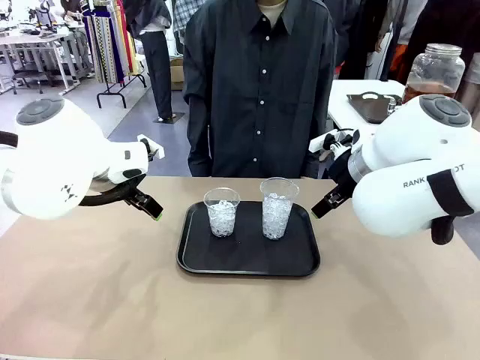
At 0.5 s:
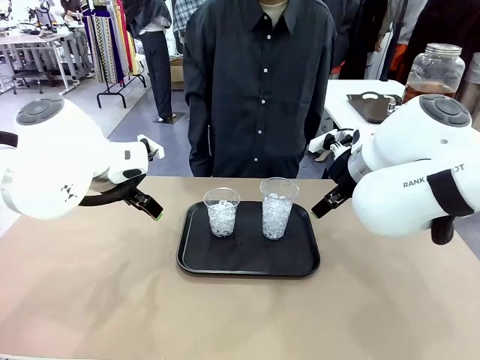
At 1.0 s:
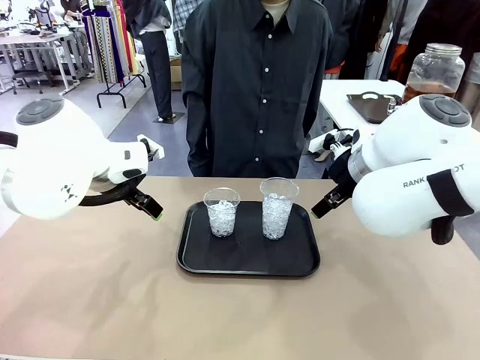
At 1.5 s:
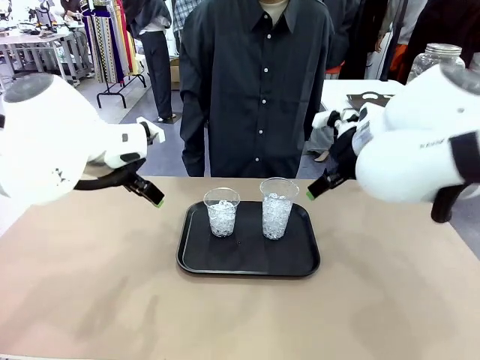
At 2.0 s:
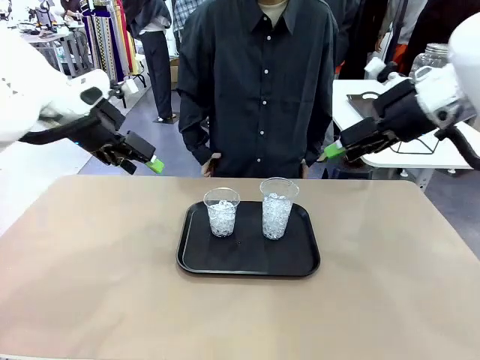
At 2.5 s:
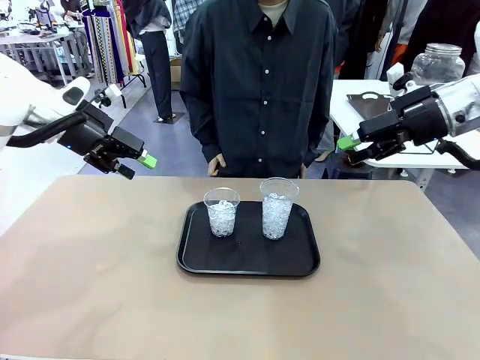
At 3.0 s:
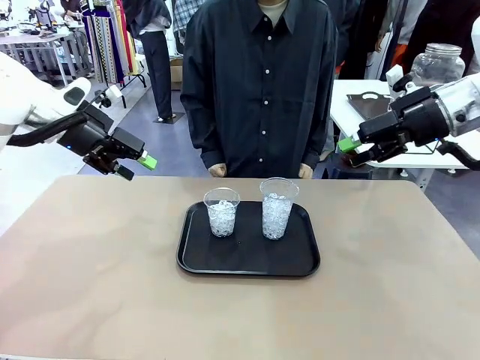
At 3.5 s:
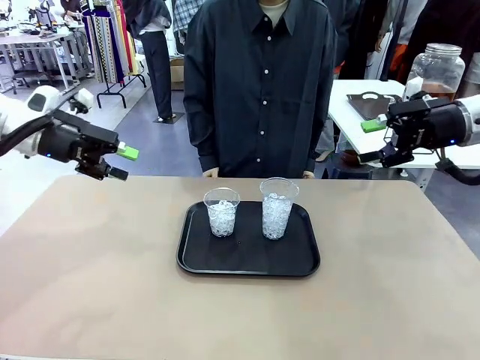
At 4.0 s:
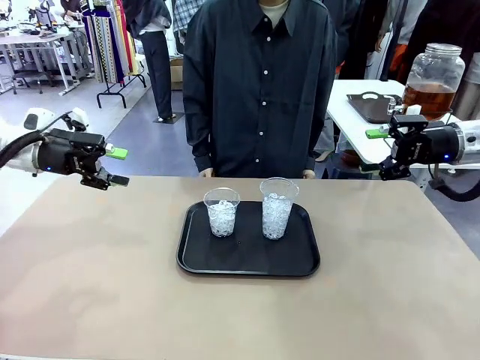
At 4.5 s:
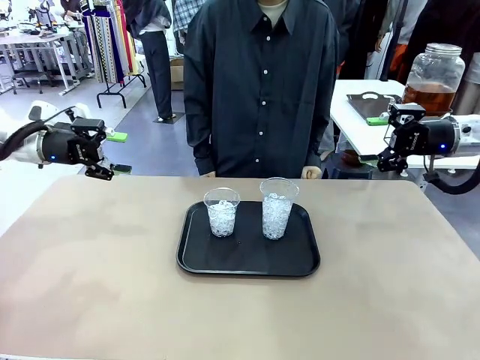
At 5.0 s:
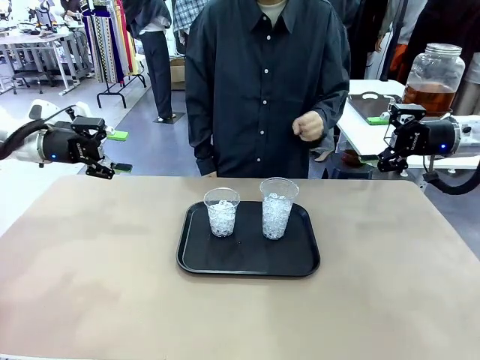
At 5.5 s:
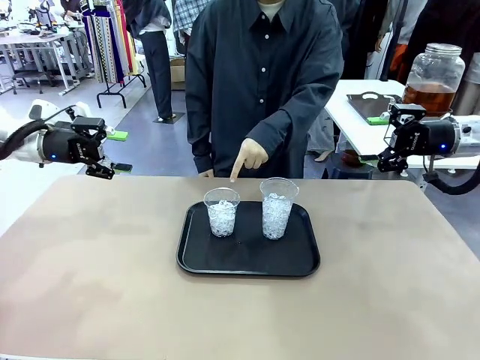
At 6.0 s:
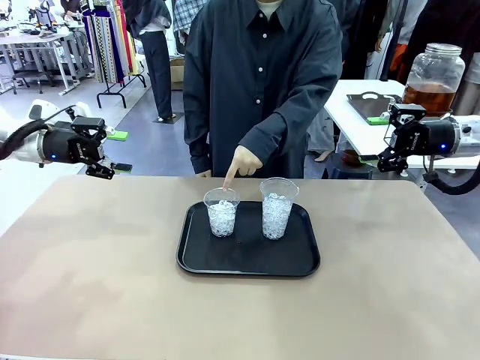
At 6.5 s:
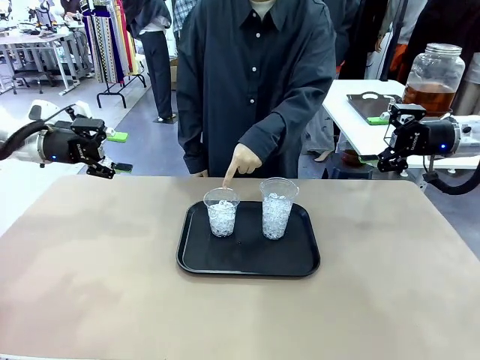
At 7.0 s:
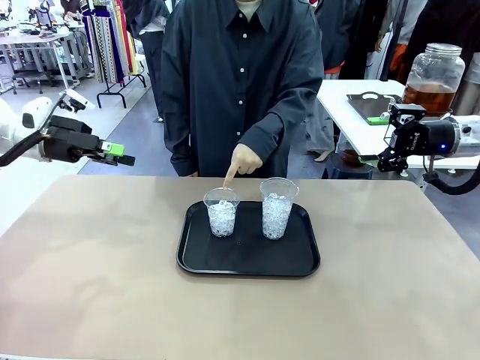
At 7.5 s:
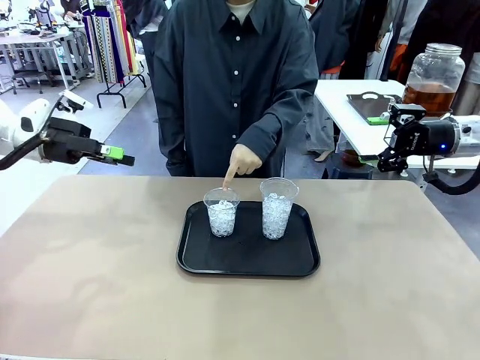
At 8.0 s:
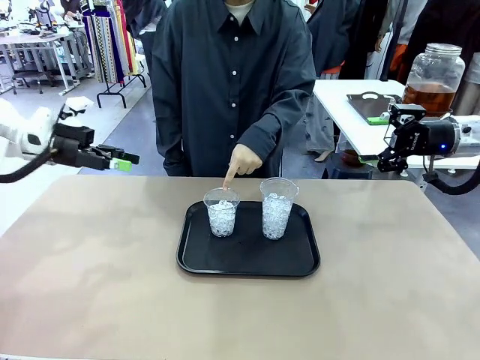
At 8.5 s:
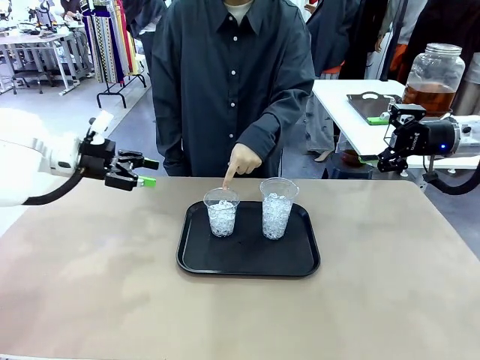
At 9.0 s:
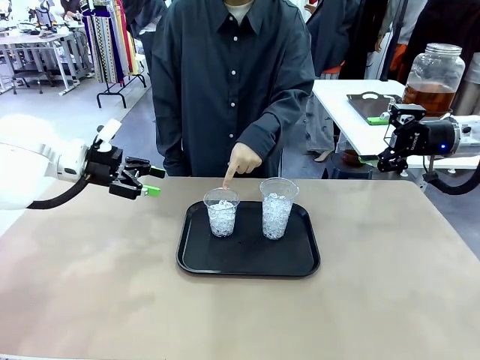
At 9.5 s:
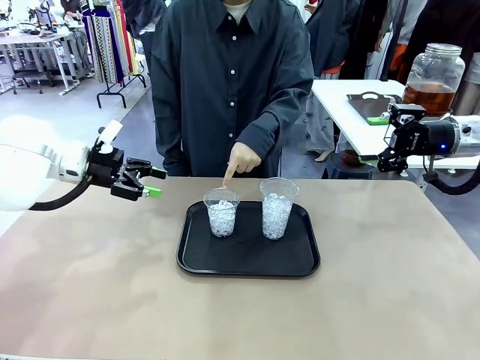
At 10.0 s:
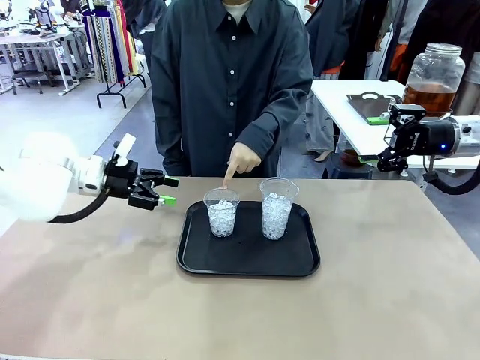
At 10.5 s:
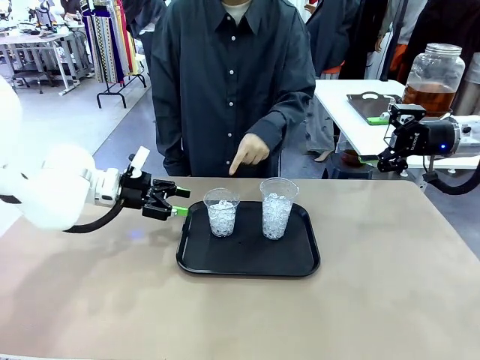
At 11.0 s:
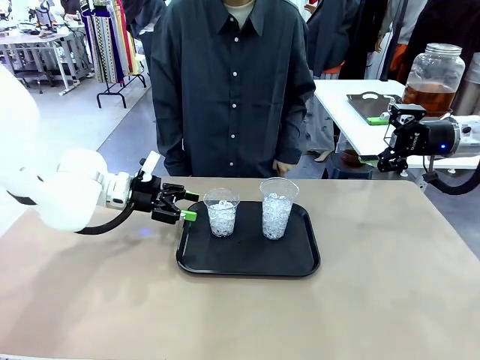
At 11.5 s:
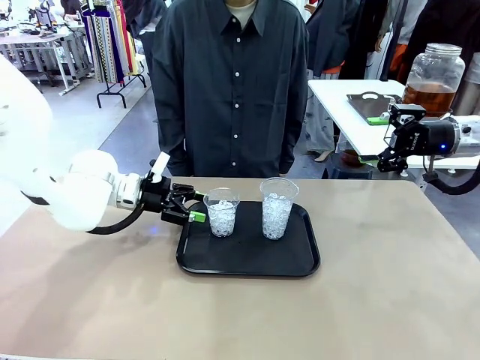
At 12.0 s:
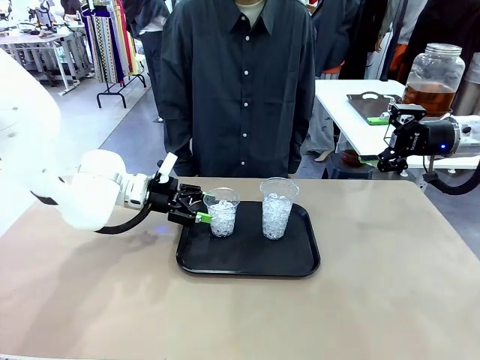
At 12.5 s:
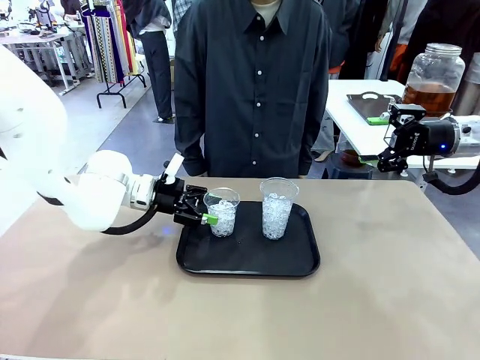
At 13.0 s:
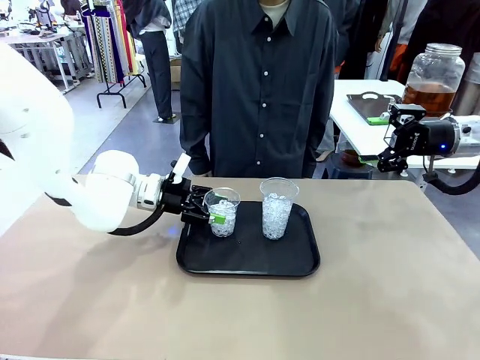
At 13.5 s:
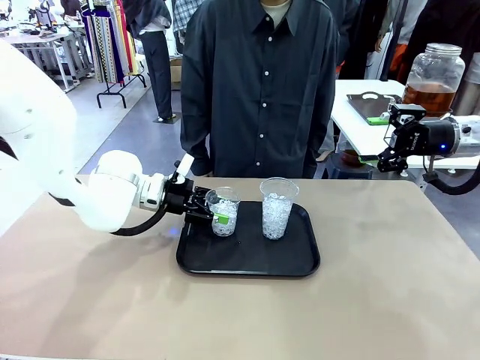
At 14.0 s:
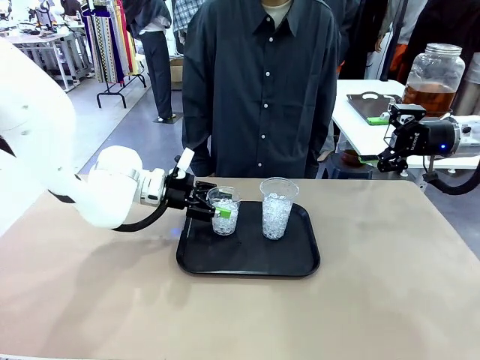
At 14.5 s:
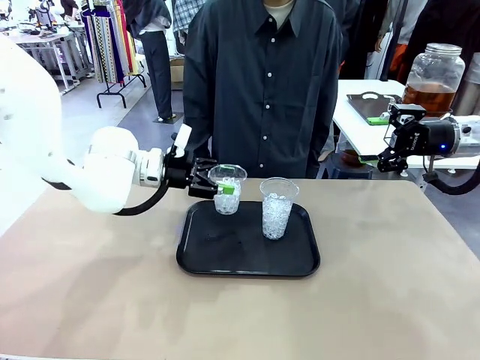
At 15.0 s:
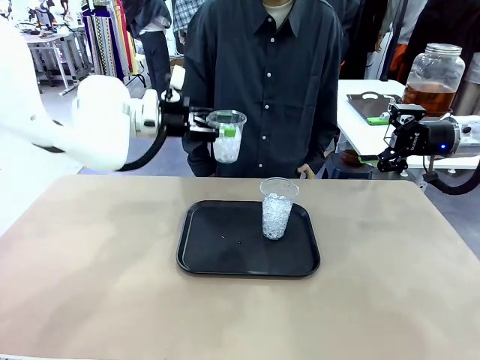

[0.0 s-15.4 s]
Task: Pour the drink into the iced cup.
Robot: Pick up the iced cup indicated by the human and present it to them.
Person: Point to one of the two ice cups. Pick up the cup offered by the robot.

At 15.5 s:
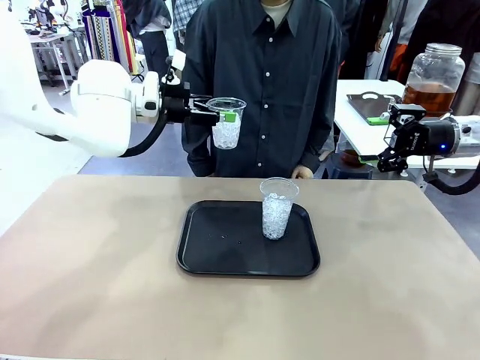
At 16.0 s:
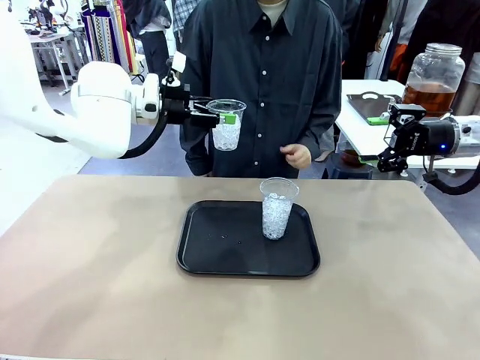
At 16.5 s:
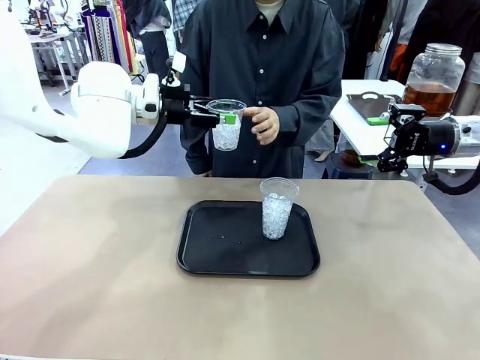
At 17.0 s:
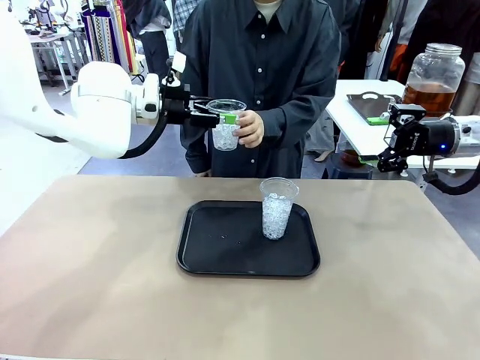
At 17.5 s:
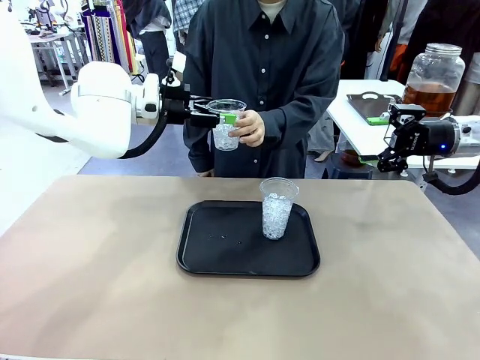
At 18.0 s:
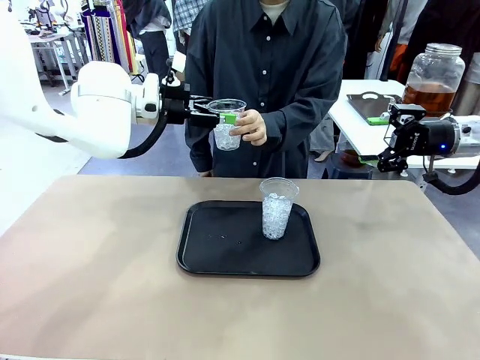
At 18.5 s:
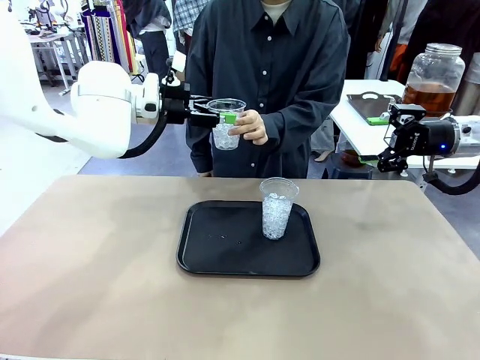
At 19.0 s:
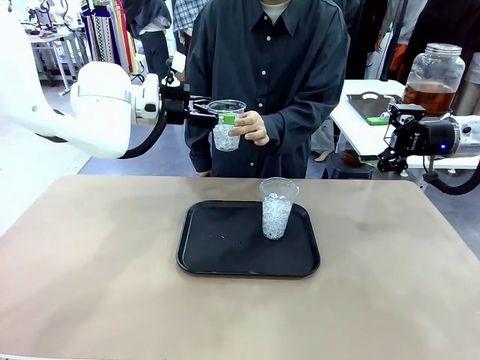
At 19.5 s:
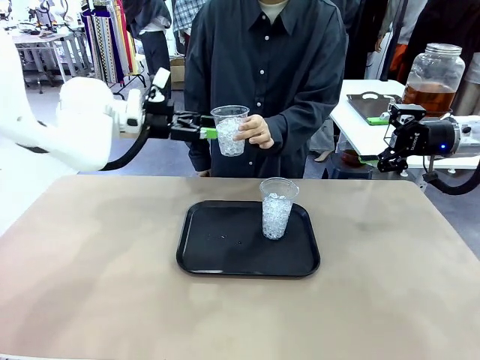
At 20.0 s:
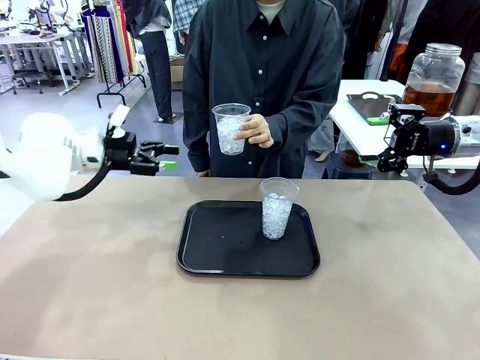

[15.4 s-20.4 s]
Robot: Open the gripper to release the iced cup you were holding.

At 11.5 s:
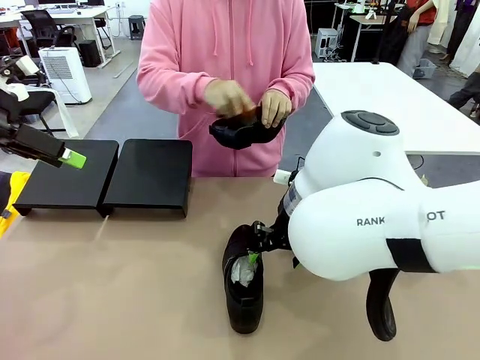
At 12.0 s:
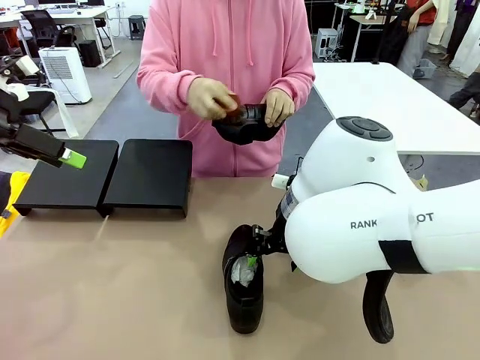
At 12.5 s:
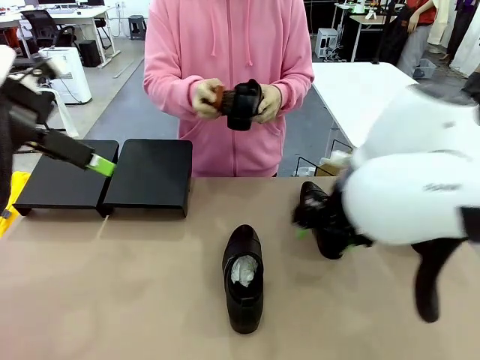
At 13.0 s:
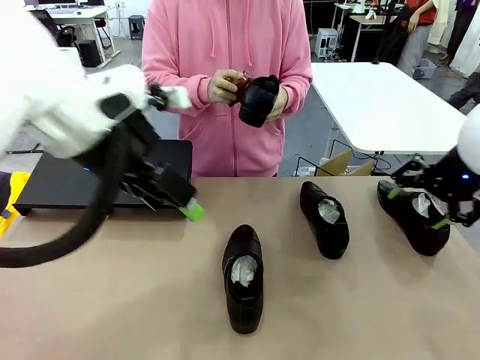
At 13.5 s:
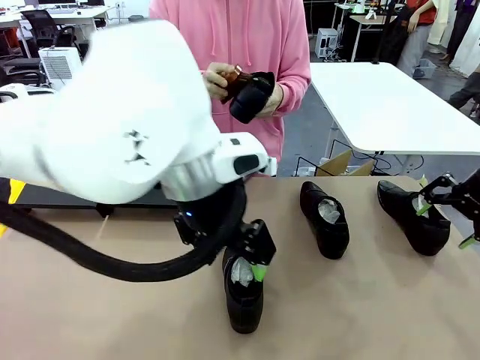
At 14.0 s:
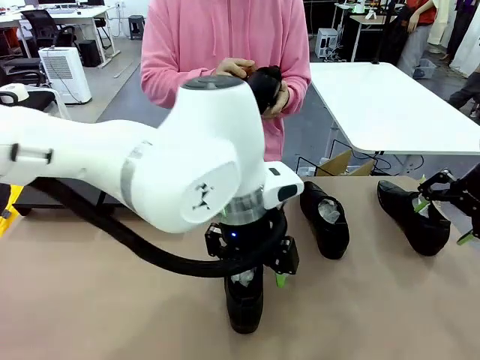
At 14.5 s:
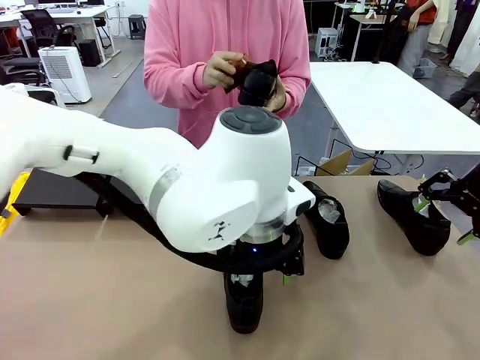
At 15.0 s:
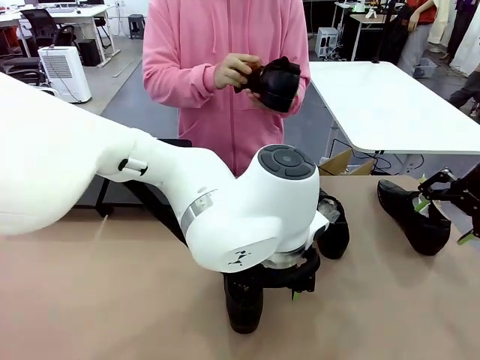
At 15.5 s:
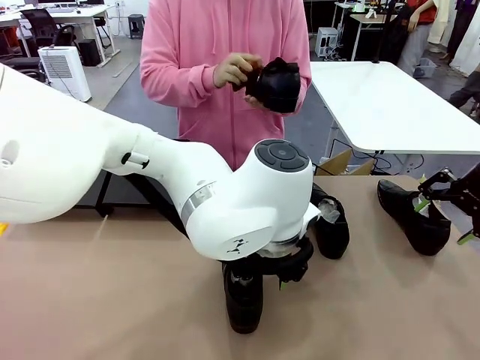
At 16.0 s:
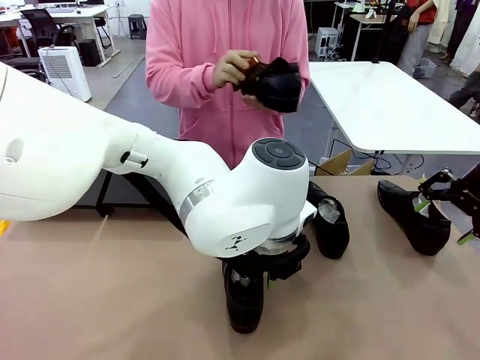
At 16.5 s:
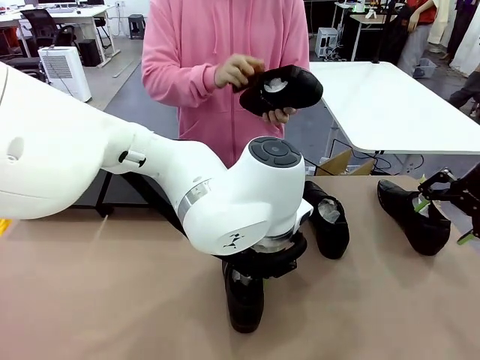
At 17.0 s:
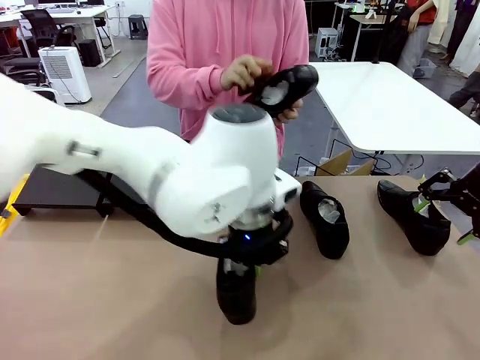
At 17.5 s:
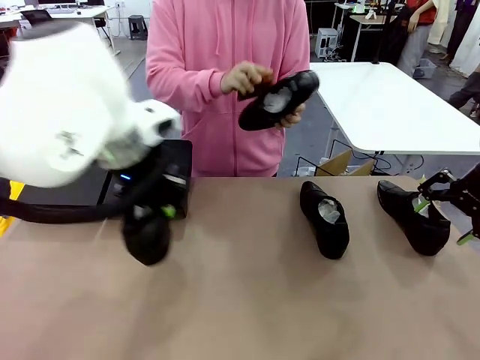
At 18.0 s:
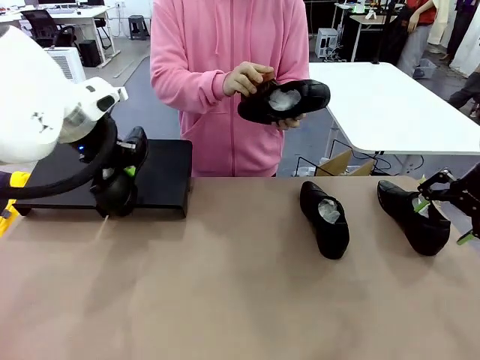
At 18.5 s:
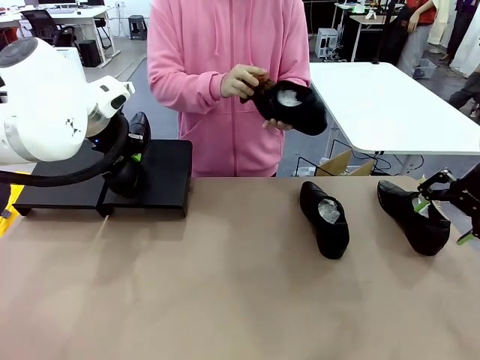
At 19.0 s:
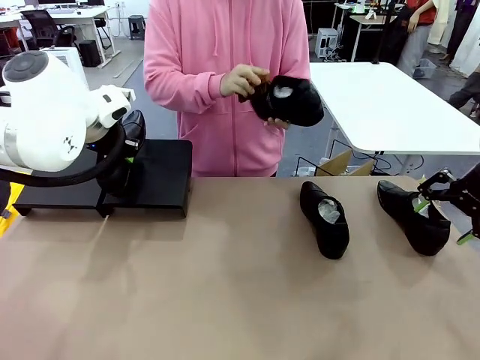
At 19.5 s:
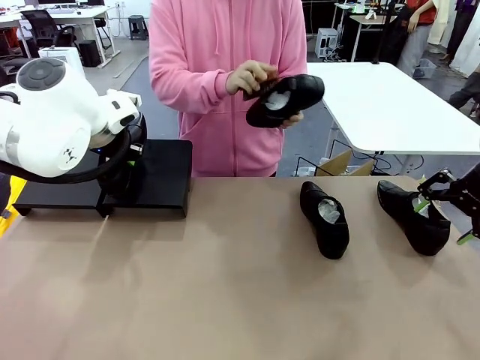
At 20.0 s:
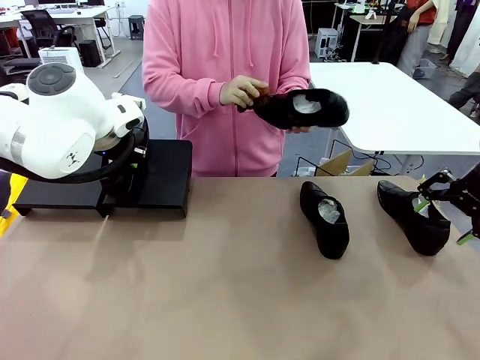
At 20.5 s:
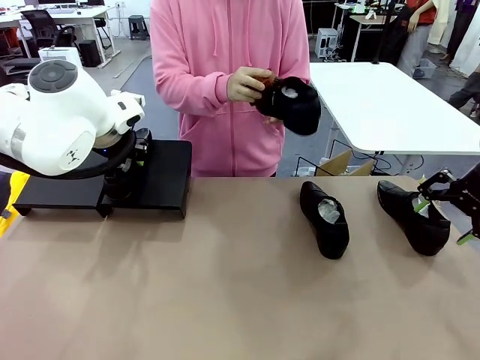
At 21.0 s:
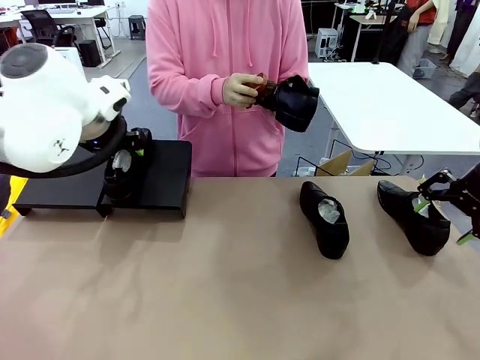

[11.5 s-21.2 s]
Task: Organize the shoes by placing them on the stand.
Robot: Place the Shoe from the middle of the table onto the Shoes Stand.
Person: Clean the Shoe with the Shoe Brush.
